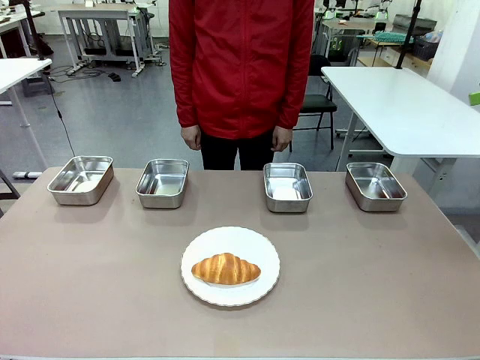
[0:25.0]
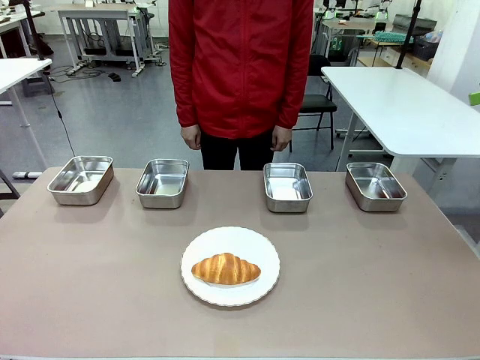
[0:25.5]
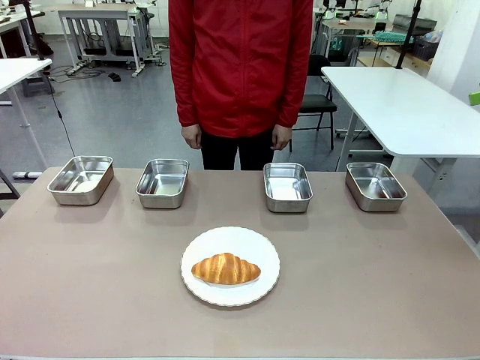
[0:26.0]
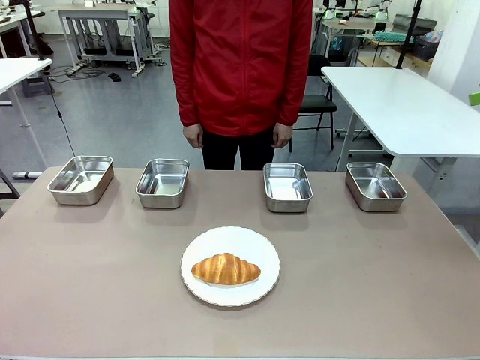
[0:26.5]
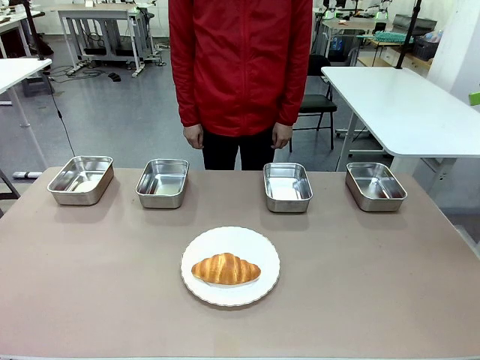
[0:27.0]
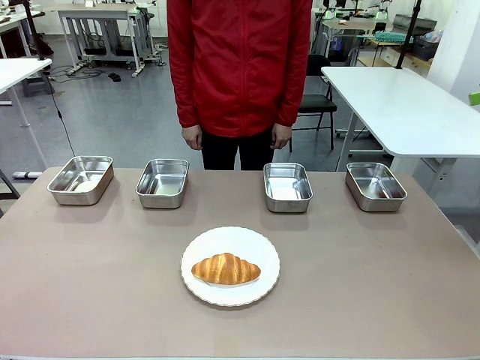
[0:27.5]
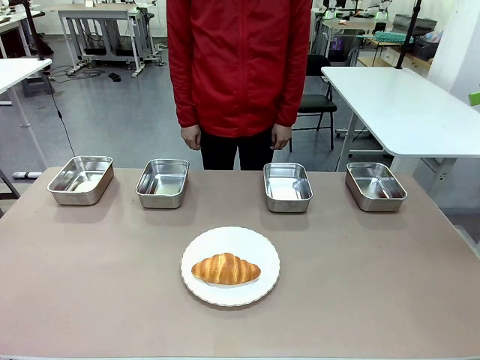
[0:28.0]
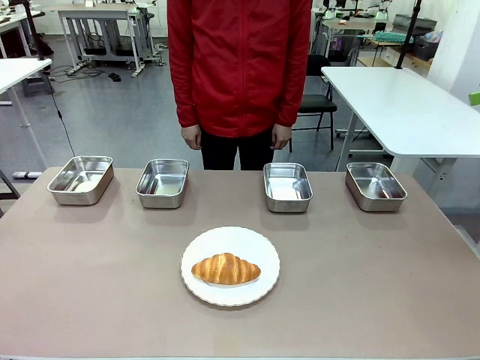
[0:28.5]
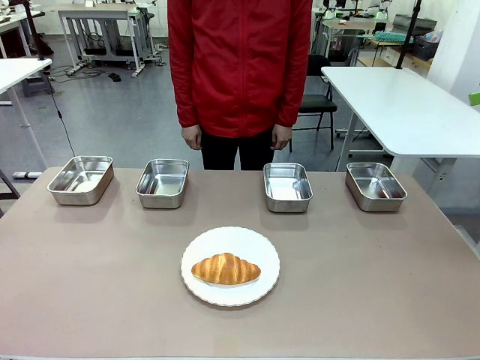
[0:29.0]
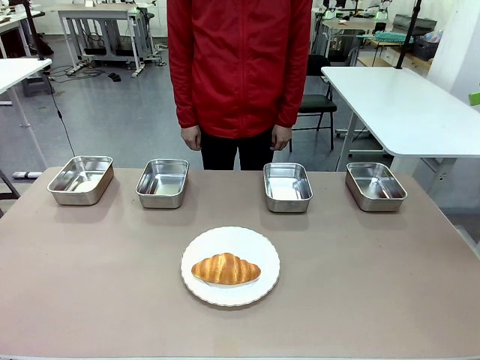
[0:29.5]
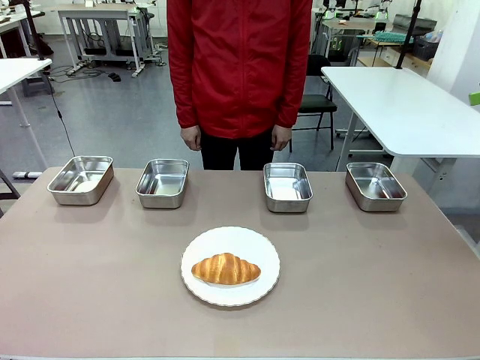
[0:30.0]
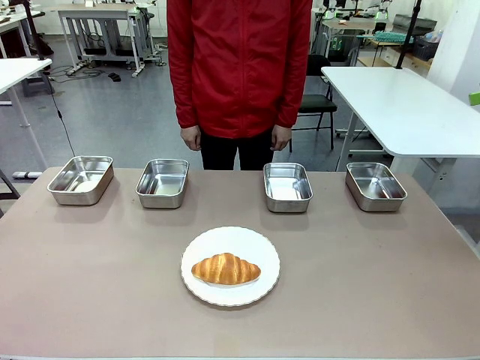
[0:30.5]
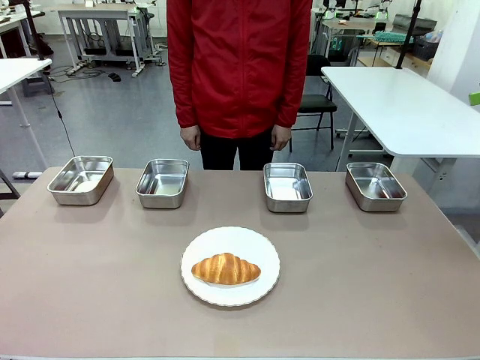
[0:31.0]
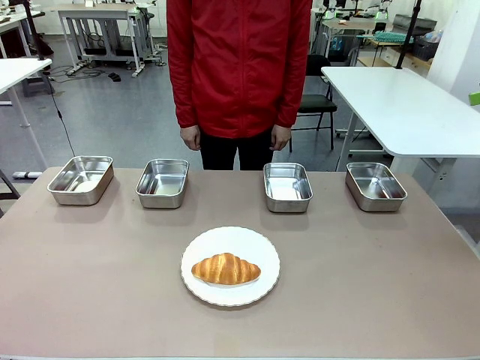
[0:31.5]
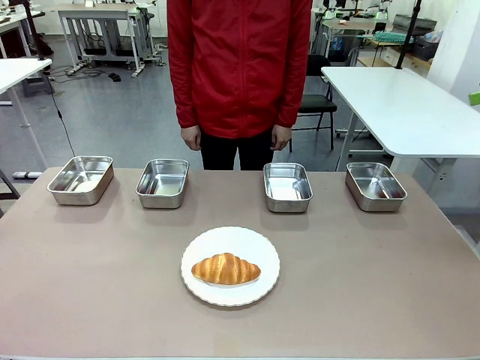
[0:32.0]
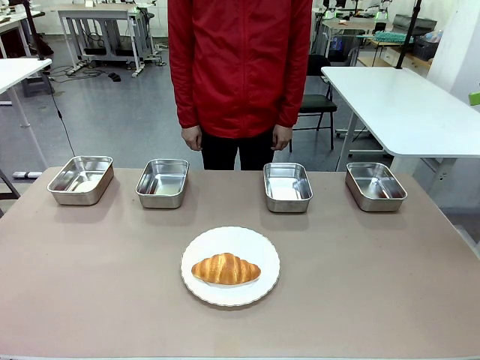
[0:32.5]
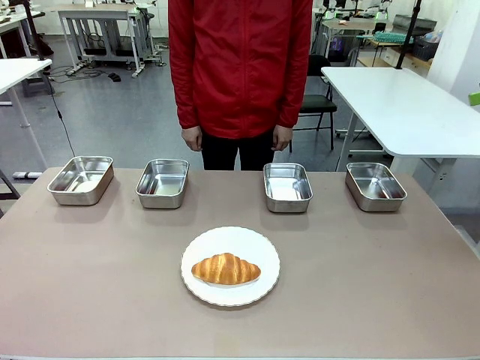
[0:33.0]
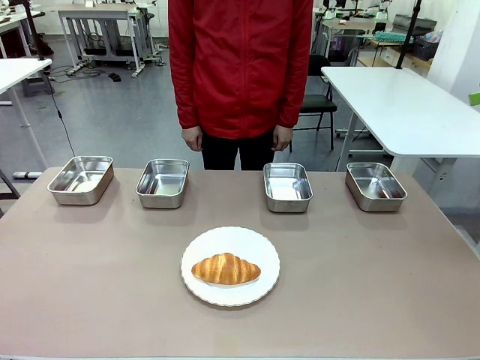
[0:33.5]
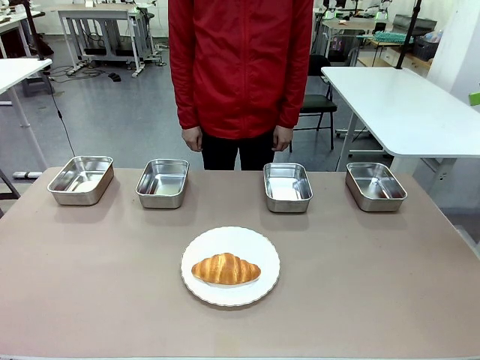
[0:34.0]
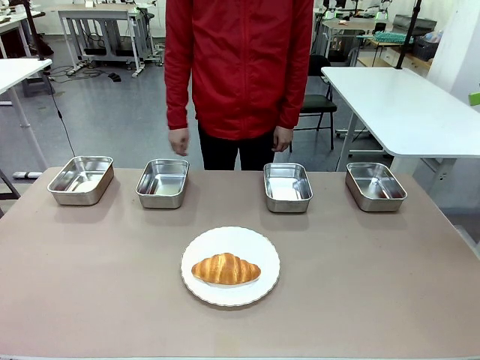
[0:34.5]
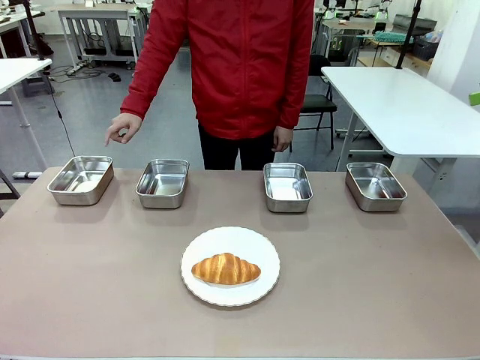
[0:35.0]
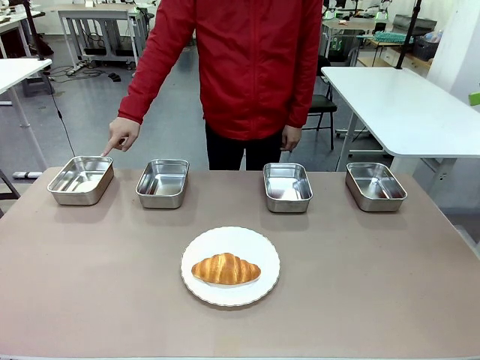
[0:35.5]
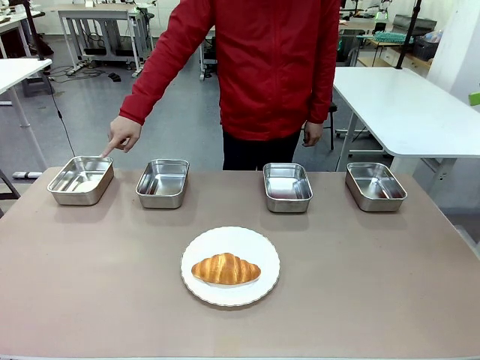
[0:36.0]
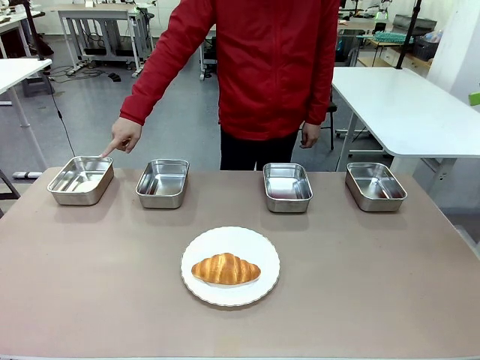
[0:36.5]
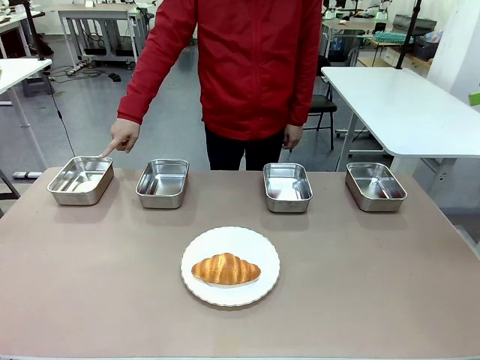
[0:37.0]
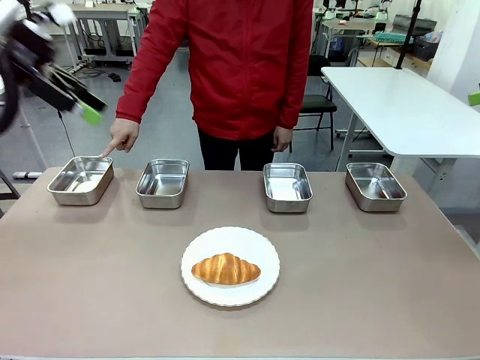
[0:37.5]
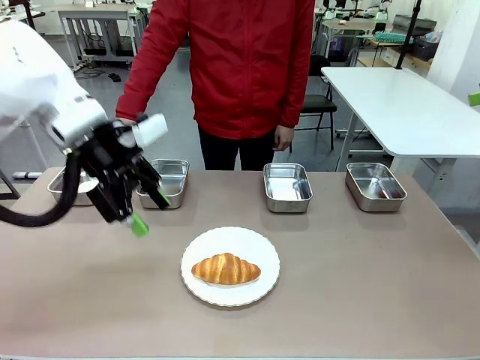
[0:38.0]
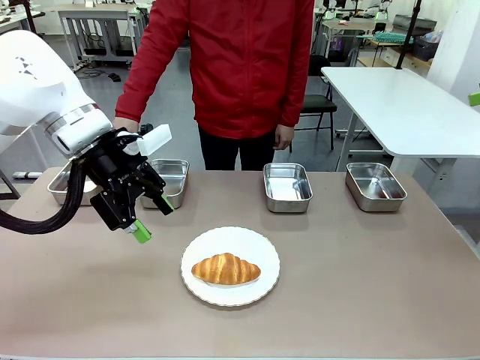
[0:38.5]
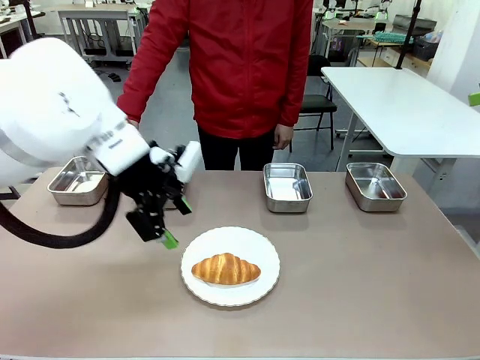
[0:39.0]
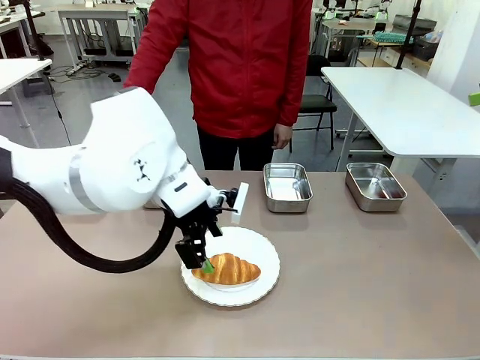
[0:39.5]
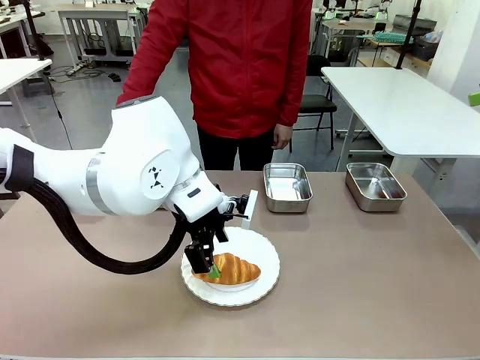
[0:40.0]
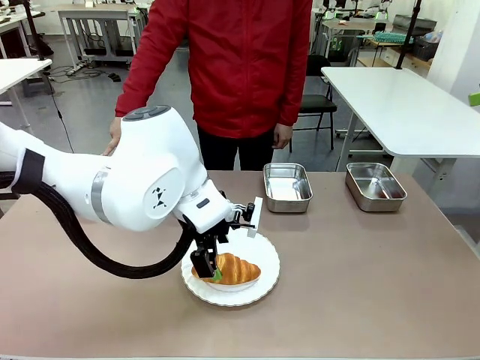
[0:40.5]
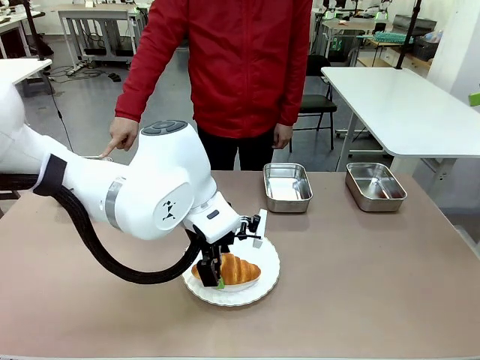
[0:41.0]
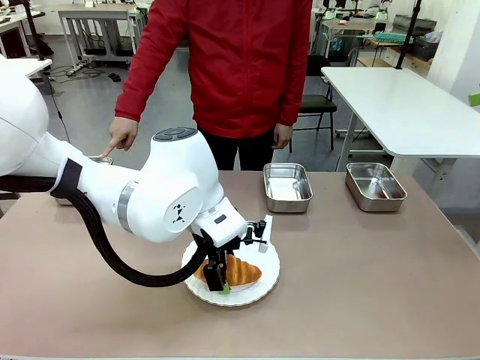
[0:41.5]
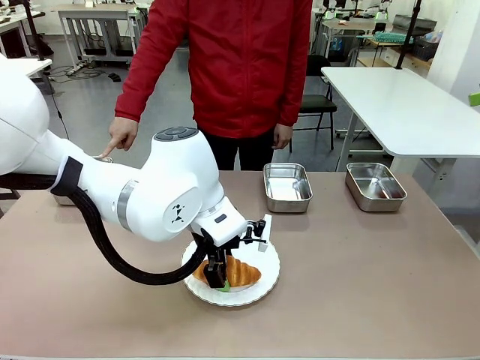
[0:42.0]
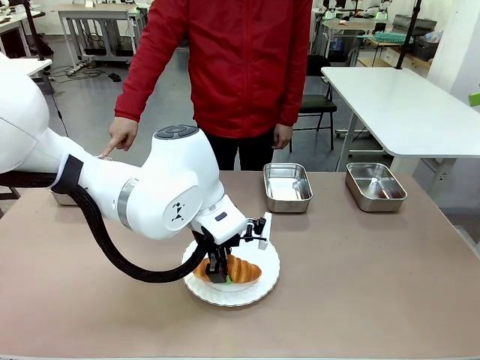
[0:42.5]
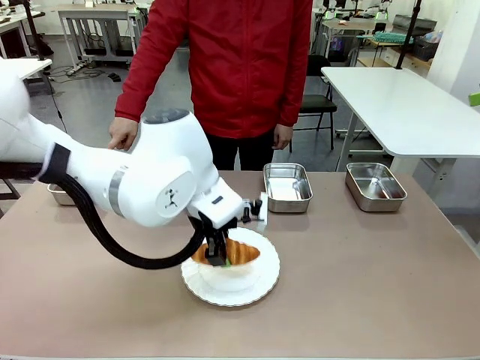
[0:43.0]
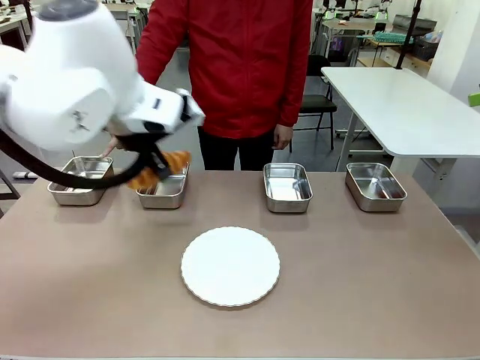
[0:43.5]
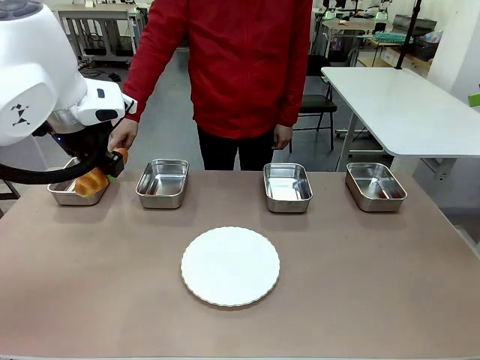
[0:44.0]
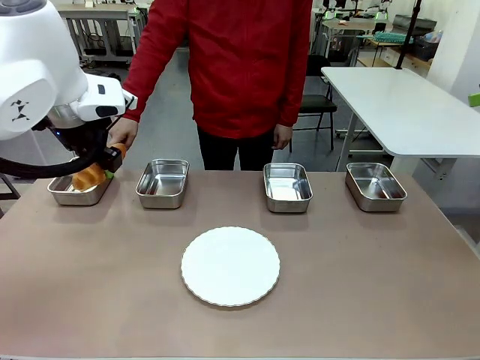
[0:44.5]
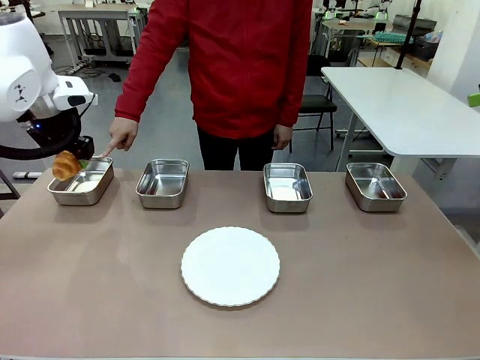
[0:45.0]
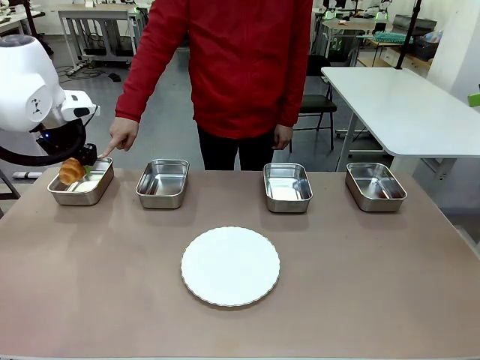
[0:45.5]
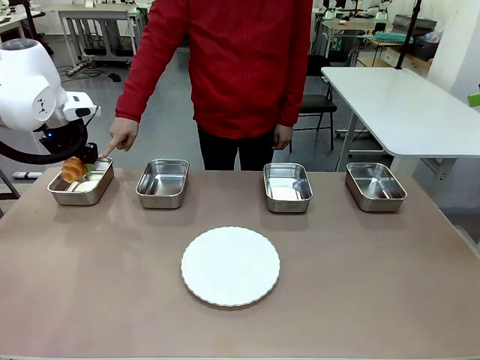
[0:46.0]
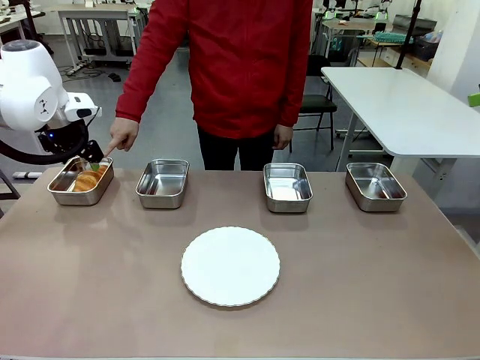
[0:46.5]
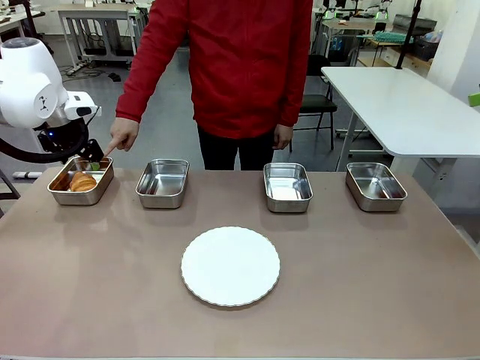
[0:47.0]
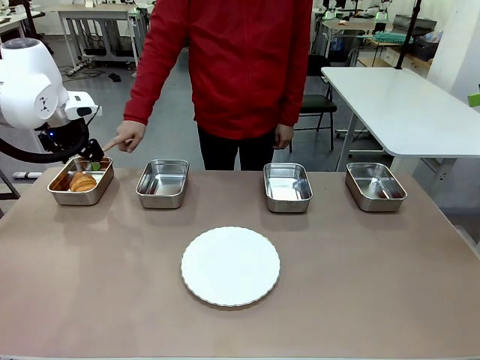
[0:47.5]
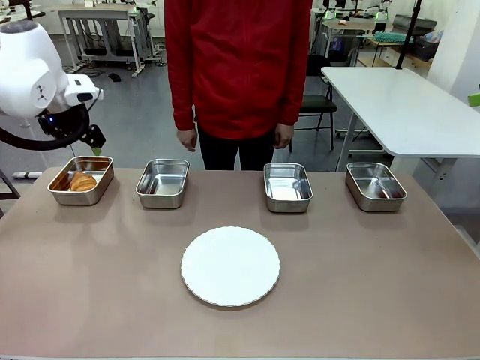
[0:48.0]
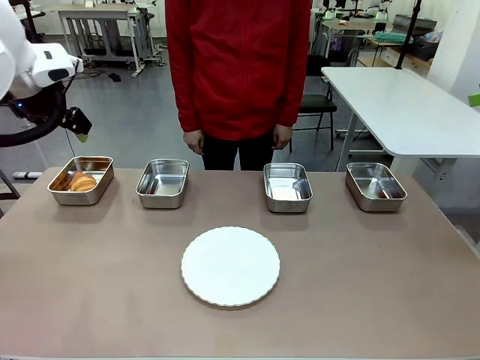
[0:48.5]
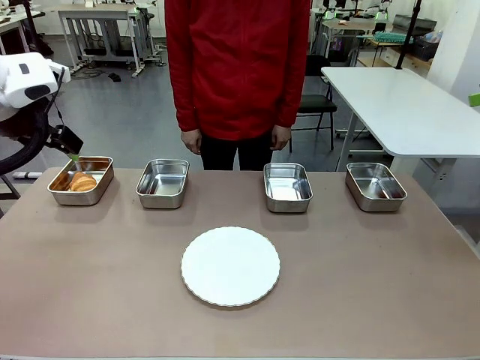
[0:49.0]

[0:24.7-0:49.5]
Task: Place the bread in the container.
Robot: Place the Butter Roll into the Airtight Container indicated by the human.
Person: A person randomly selects and points to an Airtight Container.

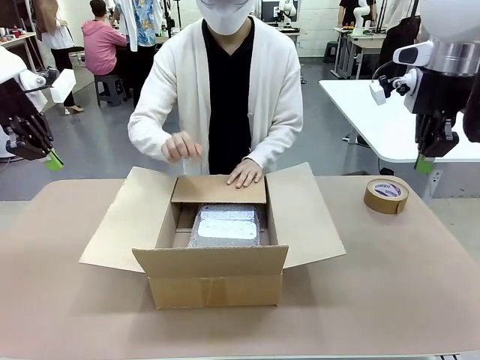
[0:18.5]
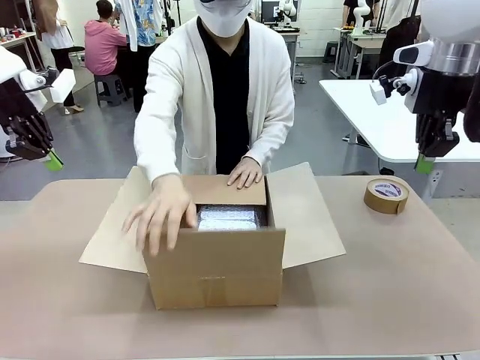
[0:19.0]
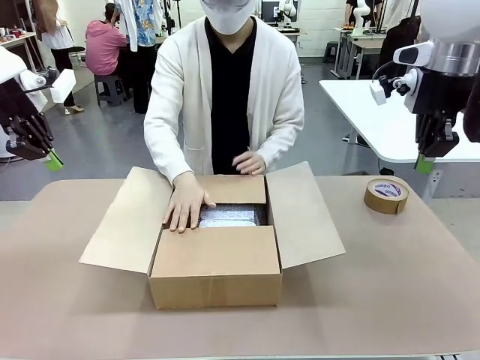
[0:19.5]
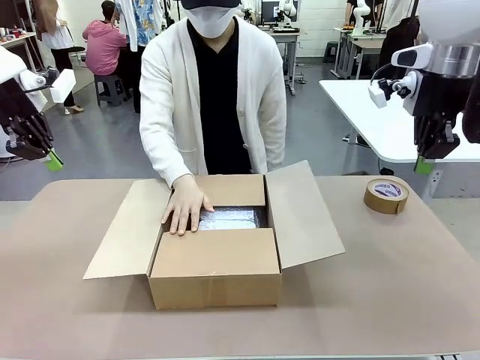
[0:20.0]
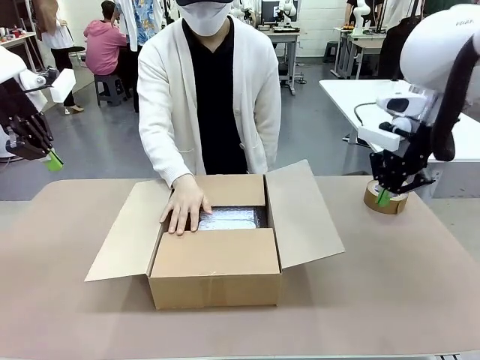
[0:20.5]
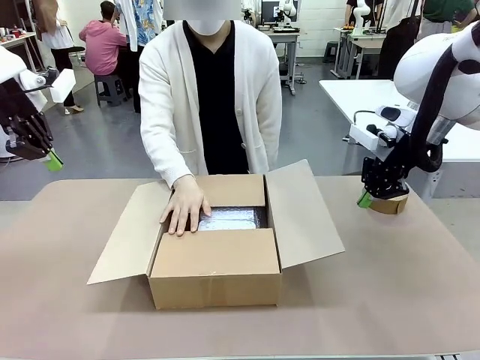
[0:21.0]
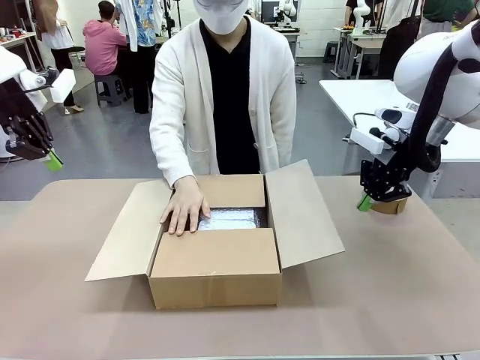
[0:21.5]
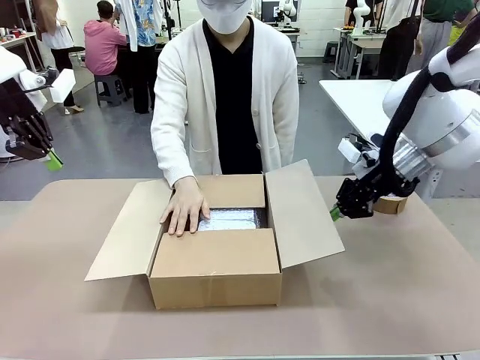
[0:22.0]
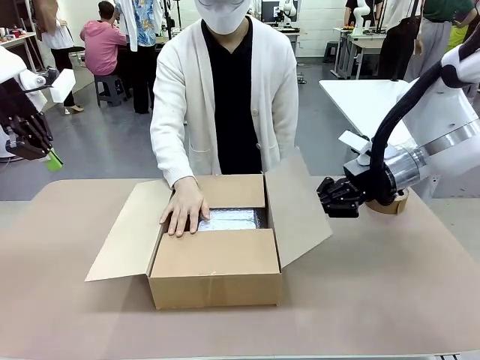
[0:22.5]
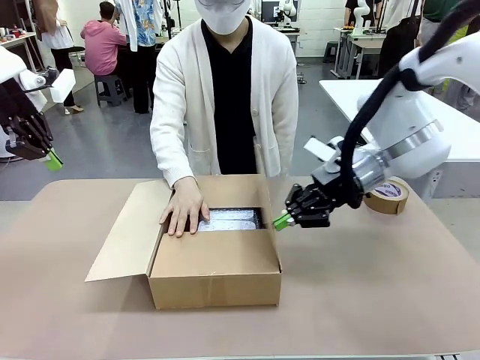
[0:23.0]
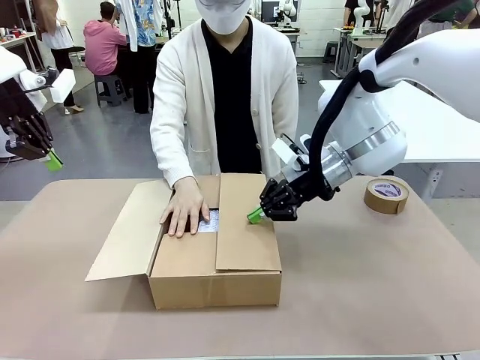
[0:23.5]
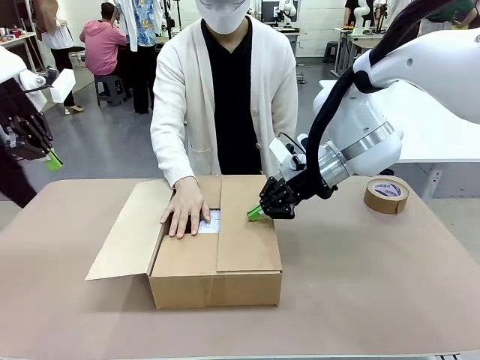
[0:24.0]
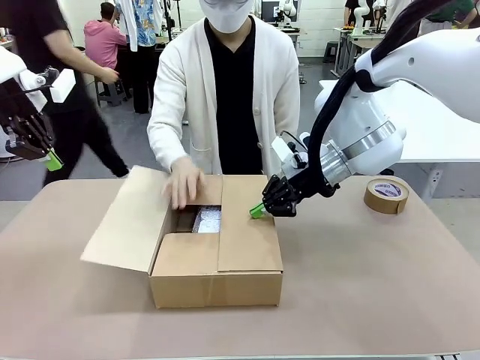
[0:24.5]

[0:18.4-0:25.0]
Task: Wrap the clocks to prevent damage.
Robot: Push the right (or left) flap of the Package Box to close it.
Person: Once the robot closes the right flap of the Package Box , release your left hand from the box.
